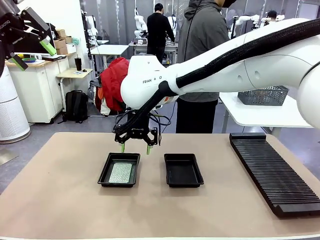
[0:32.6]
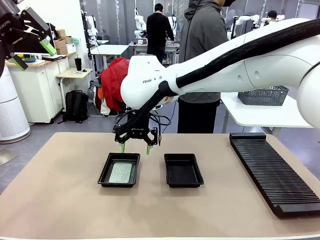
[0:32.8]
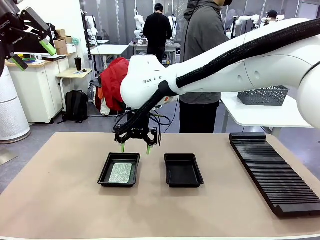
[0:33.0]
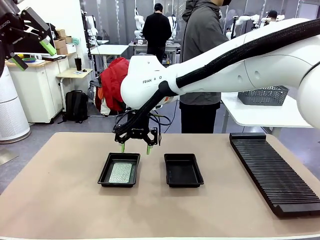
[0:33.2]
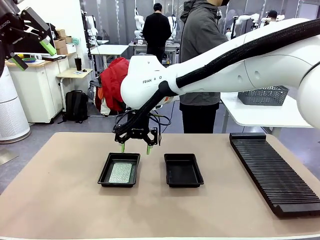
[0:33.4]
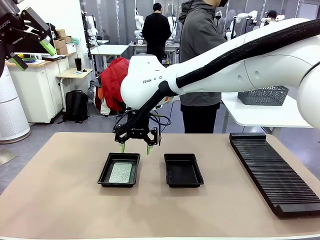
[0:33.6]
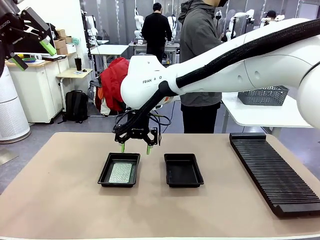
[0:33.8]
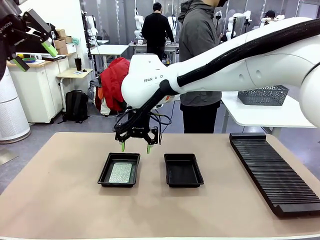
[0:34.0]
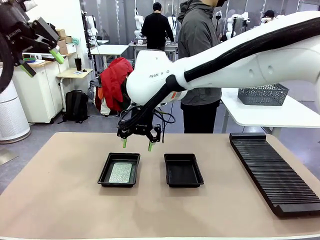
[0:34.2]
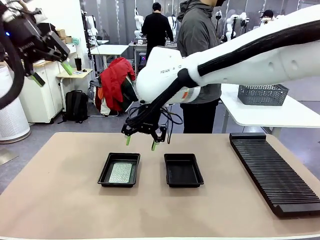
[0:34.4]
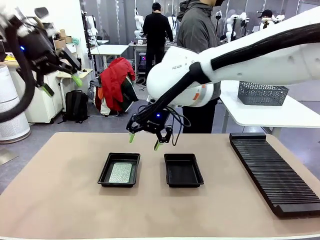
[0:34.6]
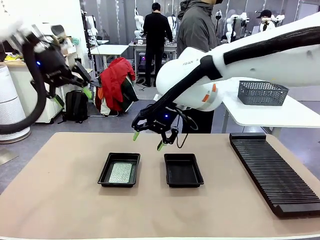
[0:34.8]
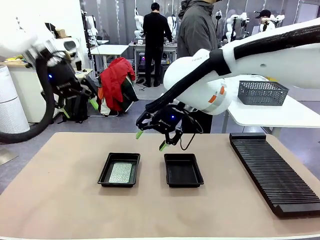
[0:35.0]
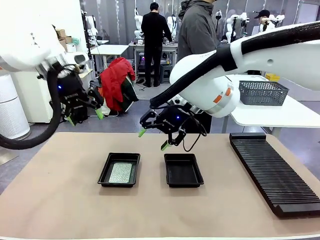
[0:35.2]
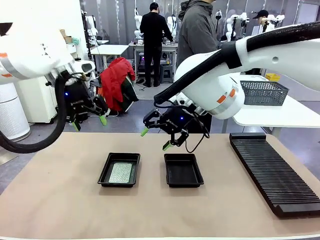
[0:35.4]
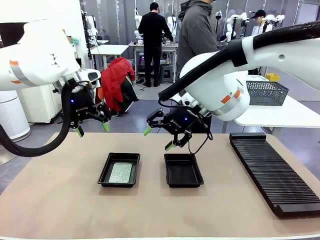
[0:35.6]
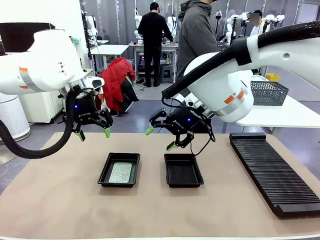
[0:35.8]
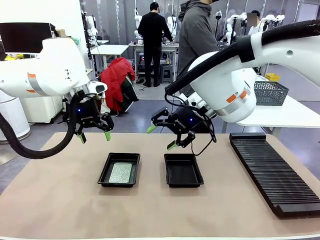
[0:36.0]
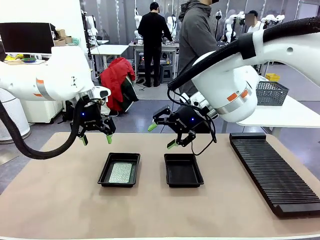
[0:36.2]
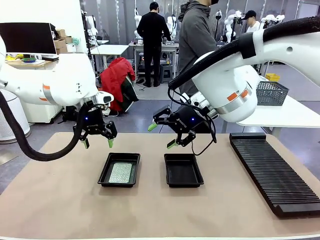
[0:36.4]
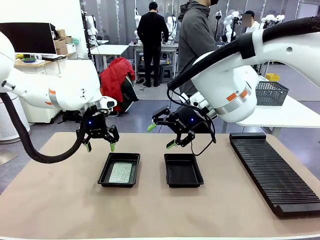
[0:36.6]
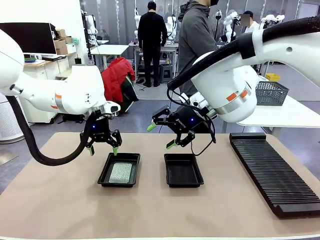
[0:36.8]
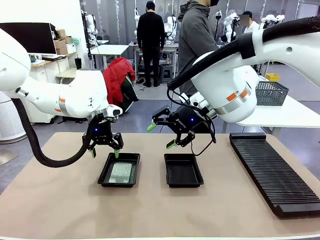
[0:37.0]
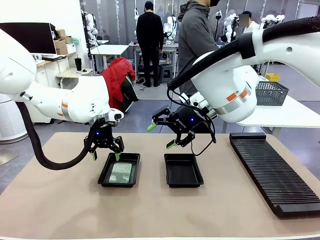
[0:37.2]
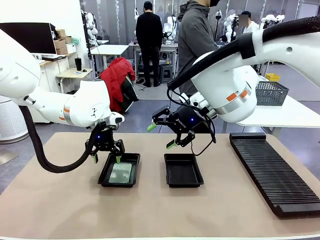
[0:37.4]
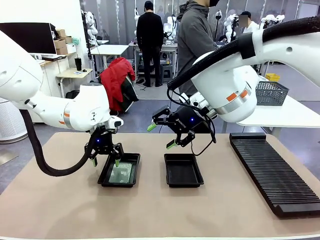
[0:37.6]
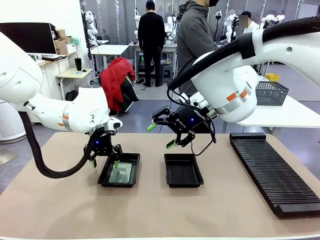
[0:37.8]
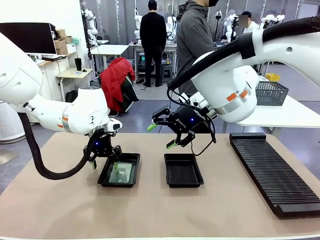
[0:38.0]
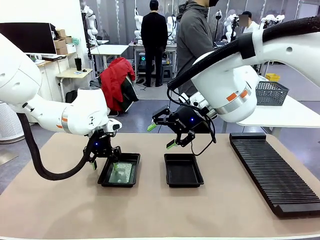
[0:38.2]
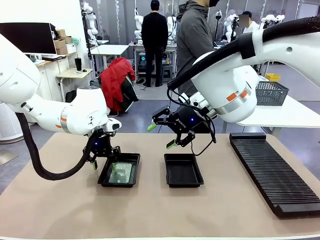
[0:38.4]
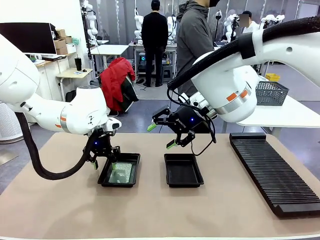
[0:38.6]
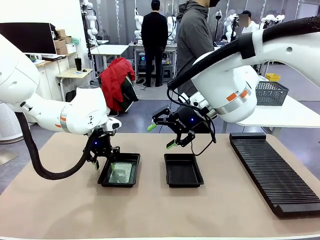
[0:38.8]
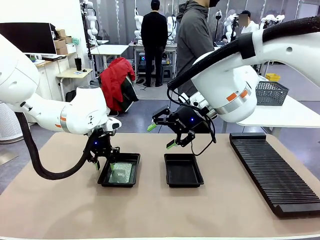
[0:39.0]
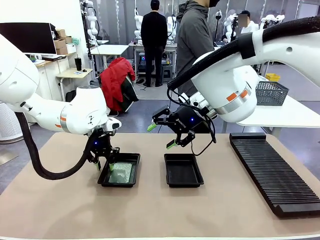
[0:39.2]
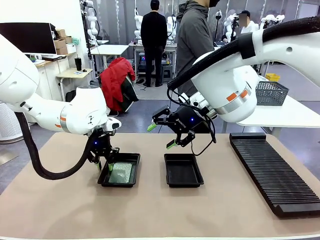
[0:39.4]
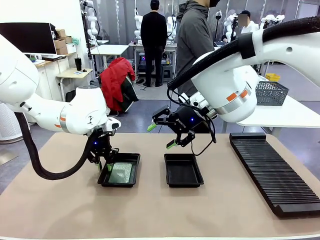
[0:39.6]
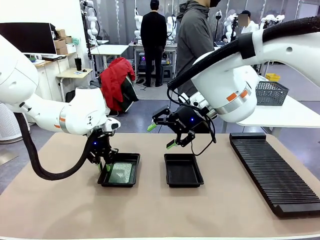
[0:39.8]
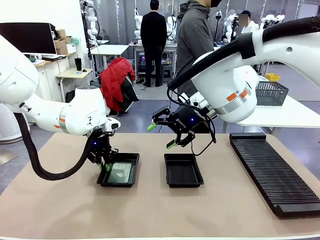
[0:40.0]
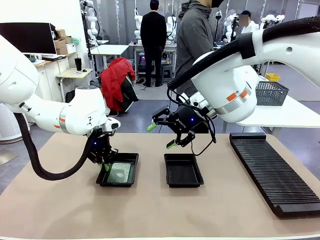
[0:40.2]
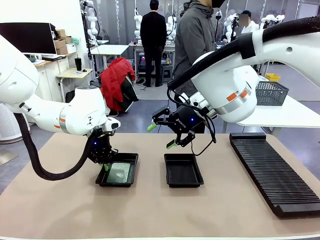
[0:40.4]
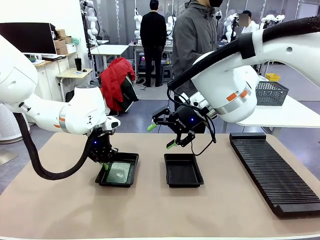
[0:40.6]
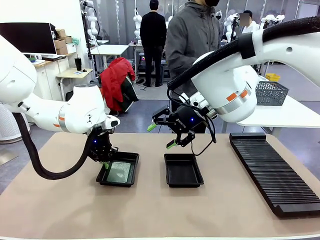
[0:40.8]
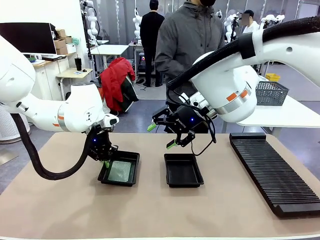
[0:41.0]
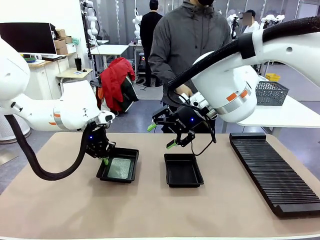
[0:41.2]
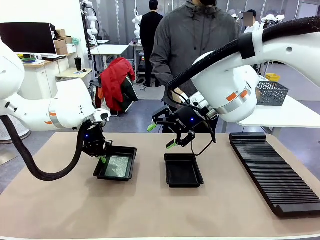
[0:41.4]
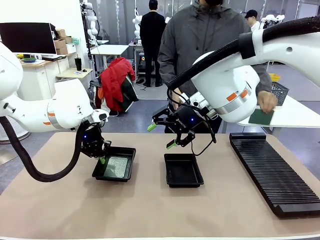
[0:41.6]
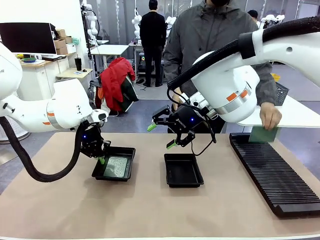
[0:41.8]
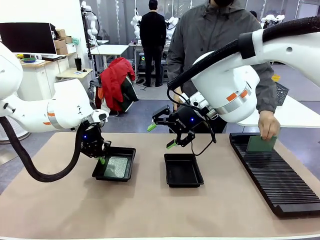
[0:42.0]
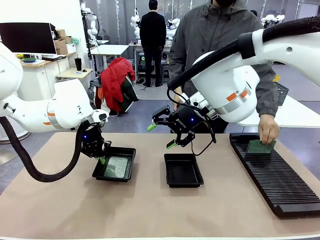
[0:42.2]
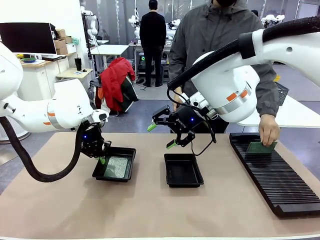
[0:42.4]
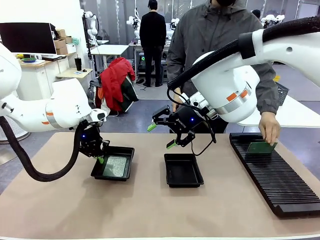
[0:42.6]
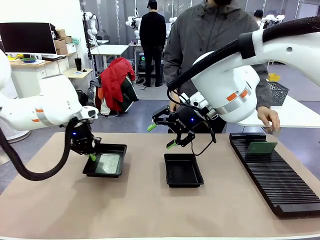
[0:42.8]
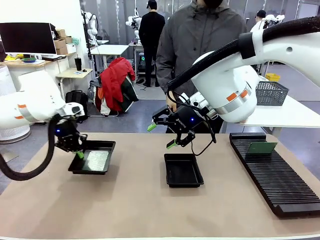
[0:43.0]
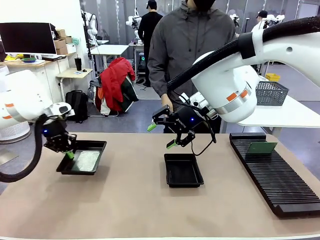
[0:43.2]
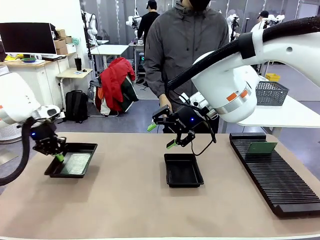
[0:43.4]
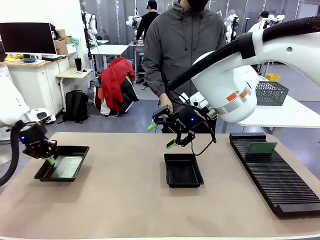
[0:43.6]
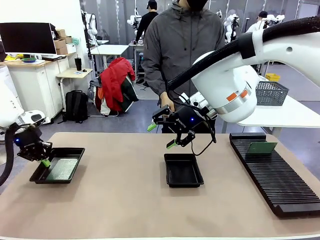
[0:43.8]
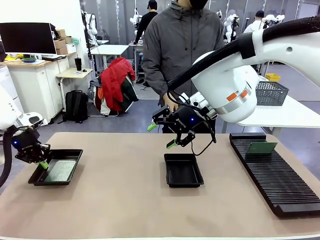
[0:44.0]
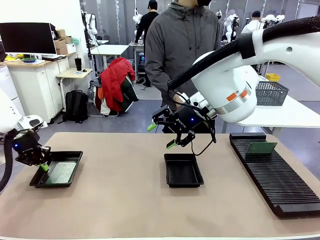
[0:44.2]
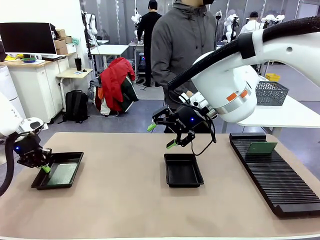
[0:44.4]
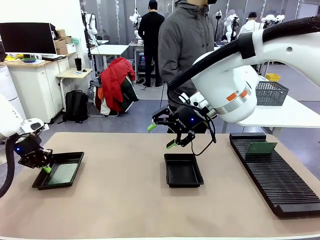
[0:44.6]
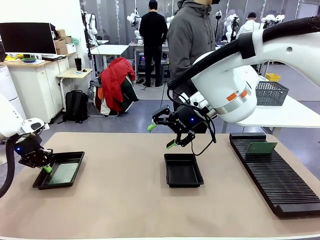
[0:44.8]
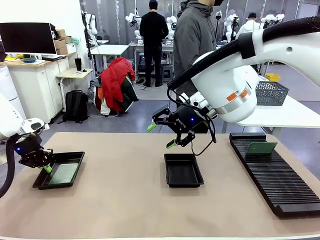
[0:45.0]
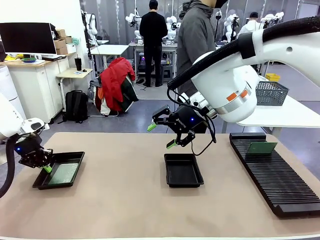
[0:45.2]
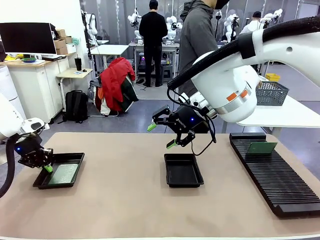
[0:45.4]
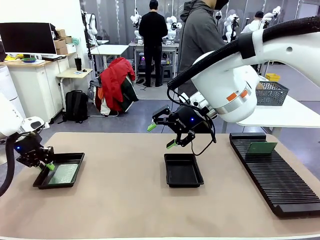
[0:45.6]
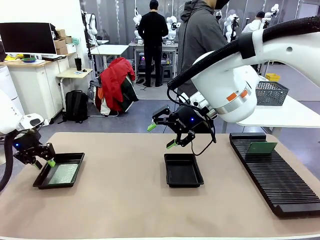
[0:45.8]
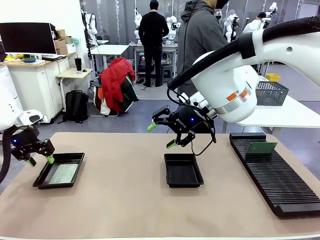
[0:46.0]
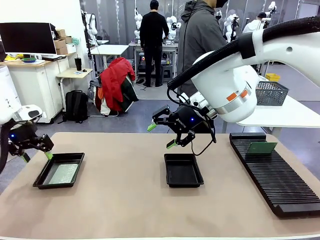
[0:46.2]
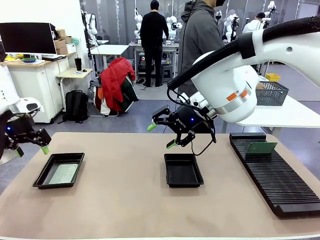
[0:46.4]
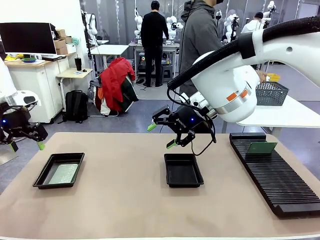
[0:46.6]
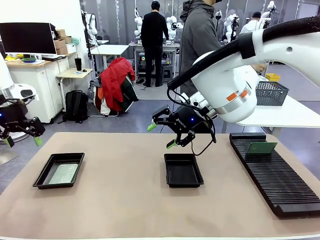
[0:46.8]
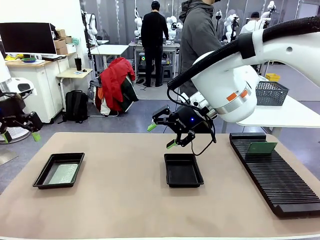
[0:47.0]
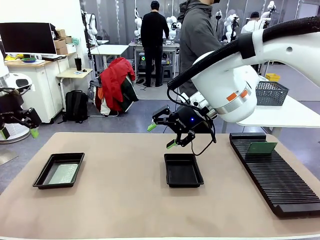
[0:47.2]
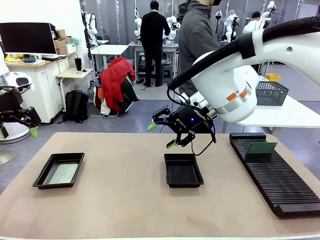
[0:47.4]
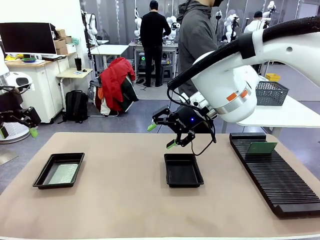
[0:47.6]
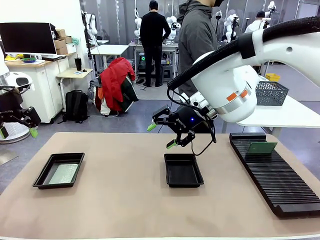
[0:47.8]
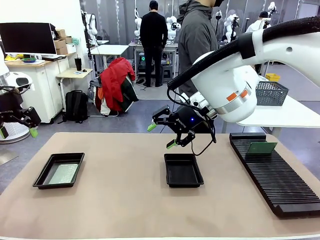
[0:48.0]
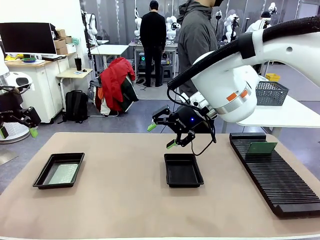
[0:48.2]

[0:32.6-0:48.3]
Task: Inspect and transfer BCBs to ESD trays.
Robot: Pick up the ESD tray and place it on the left side of the table.
